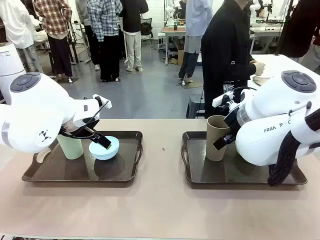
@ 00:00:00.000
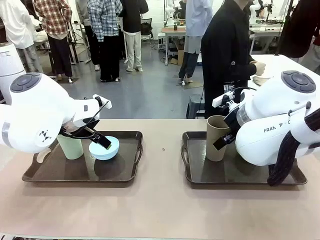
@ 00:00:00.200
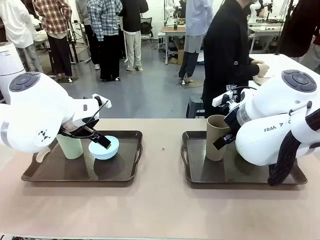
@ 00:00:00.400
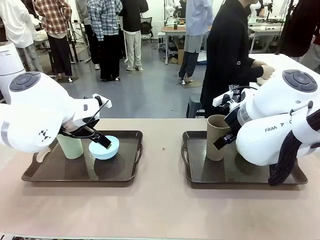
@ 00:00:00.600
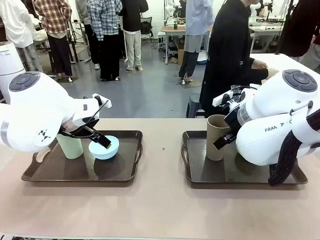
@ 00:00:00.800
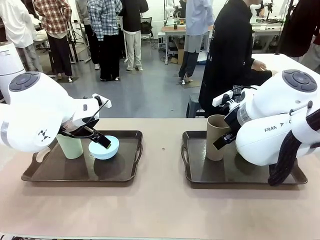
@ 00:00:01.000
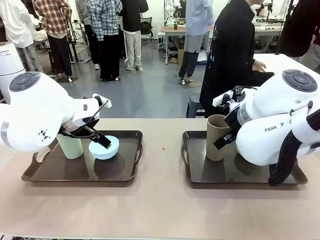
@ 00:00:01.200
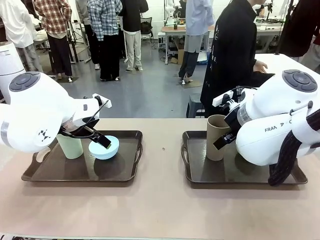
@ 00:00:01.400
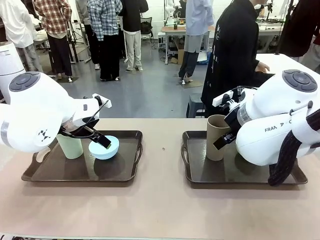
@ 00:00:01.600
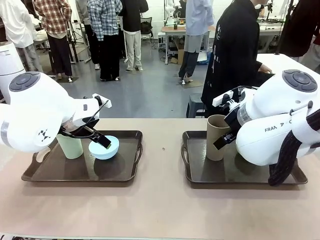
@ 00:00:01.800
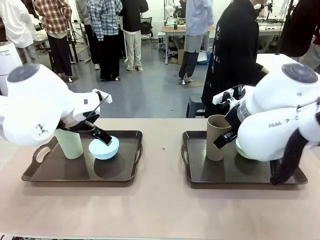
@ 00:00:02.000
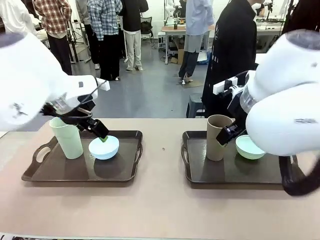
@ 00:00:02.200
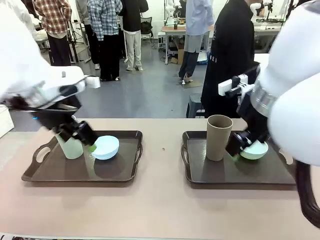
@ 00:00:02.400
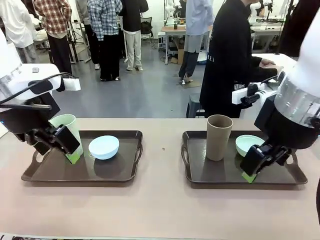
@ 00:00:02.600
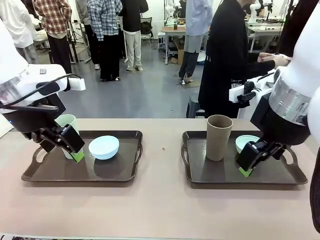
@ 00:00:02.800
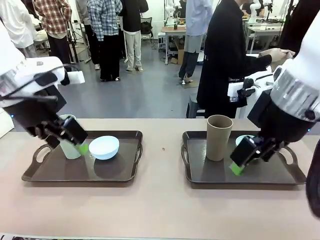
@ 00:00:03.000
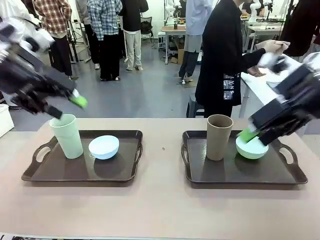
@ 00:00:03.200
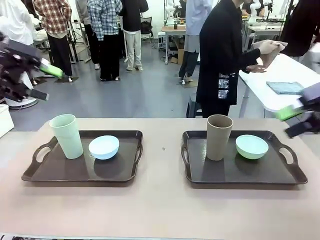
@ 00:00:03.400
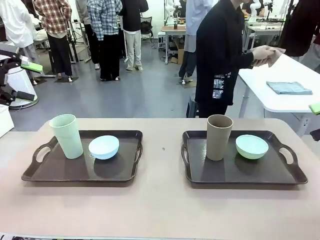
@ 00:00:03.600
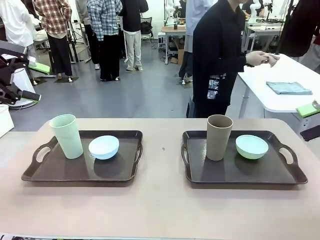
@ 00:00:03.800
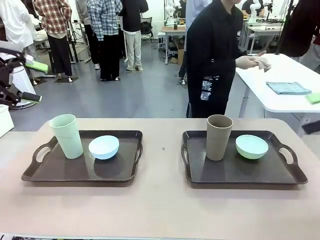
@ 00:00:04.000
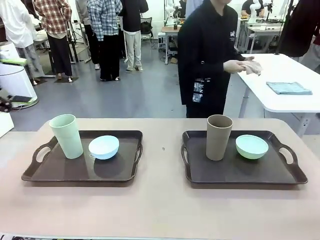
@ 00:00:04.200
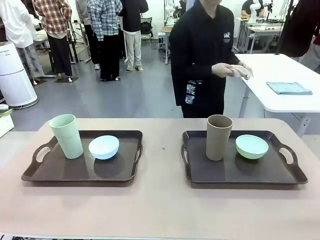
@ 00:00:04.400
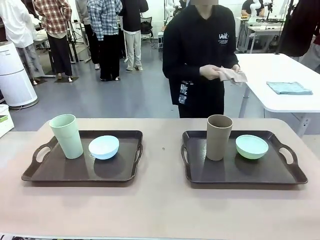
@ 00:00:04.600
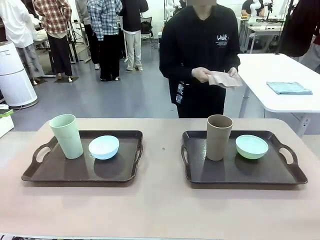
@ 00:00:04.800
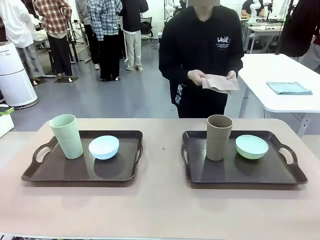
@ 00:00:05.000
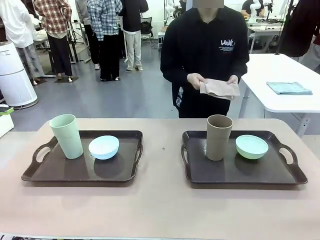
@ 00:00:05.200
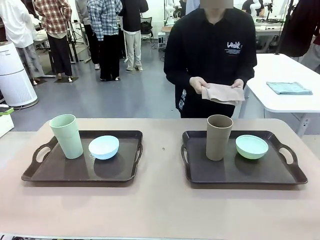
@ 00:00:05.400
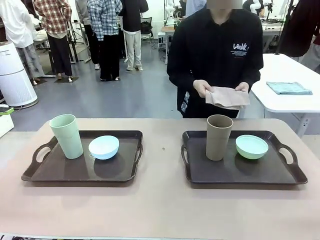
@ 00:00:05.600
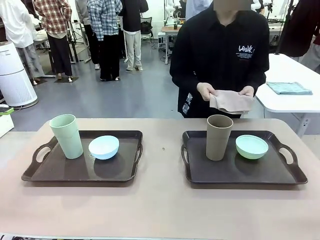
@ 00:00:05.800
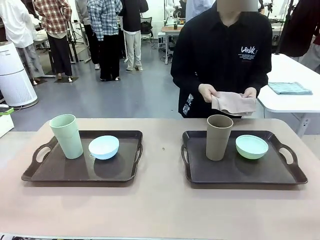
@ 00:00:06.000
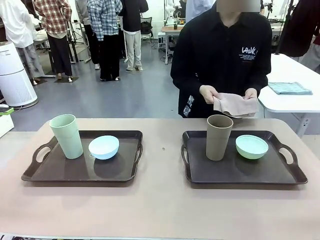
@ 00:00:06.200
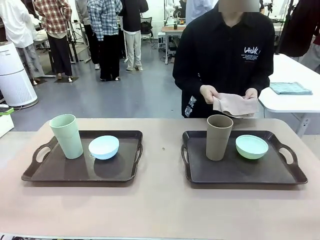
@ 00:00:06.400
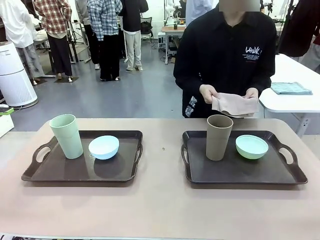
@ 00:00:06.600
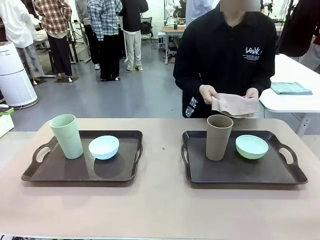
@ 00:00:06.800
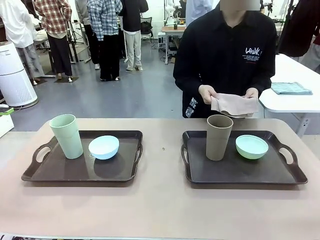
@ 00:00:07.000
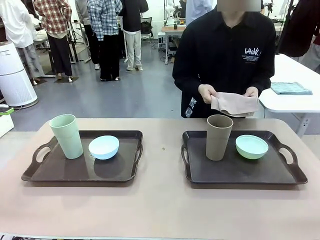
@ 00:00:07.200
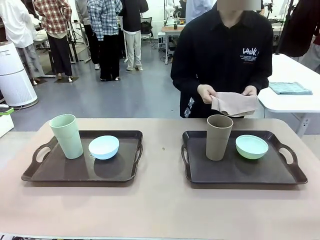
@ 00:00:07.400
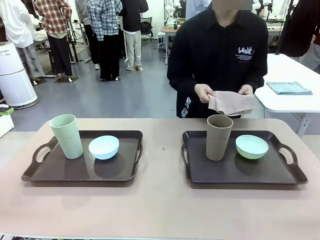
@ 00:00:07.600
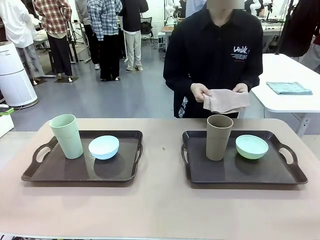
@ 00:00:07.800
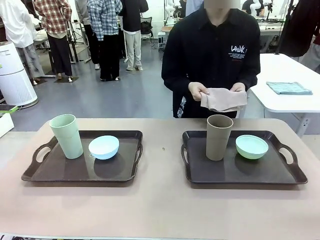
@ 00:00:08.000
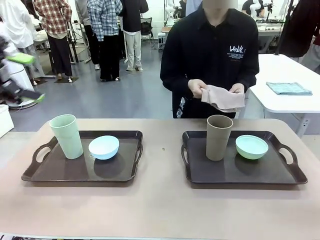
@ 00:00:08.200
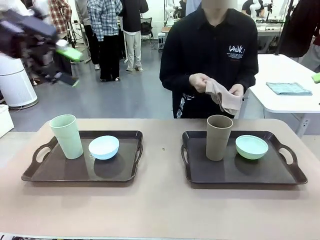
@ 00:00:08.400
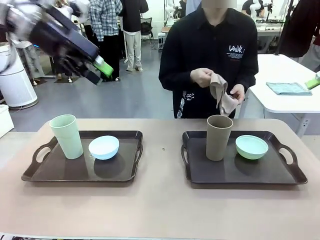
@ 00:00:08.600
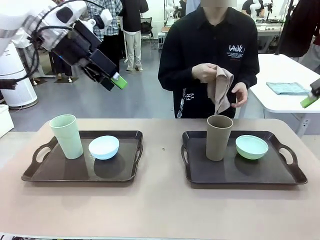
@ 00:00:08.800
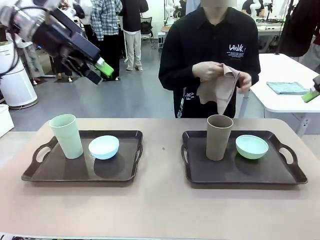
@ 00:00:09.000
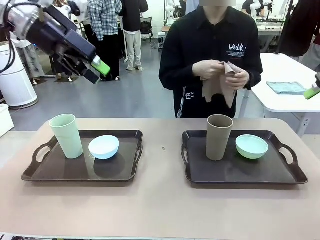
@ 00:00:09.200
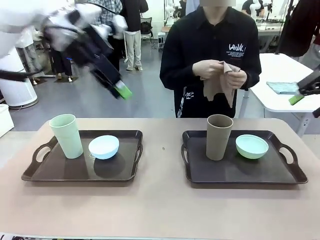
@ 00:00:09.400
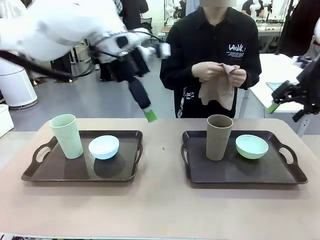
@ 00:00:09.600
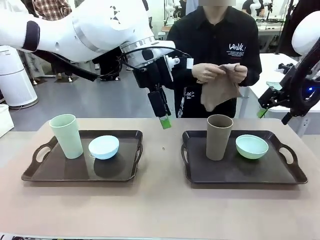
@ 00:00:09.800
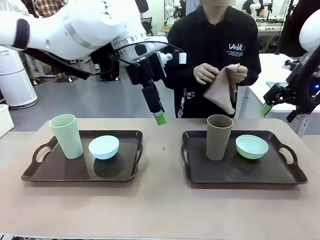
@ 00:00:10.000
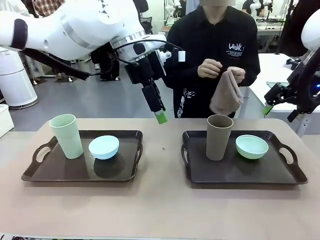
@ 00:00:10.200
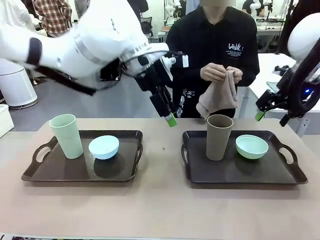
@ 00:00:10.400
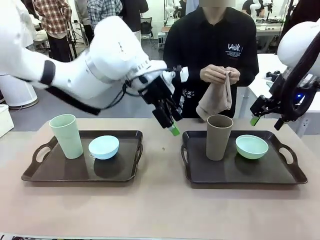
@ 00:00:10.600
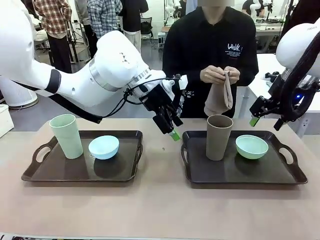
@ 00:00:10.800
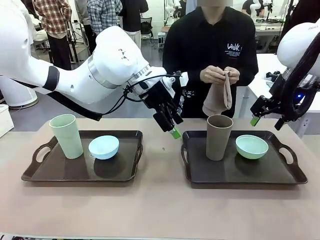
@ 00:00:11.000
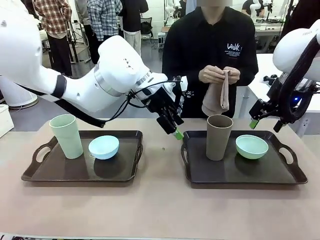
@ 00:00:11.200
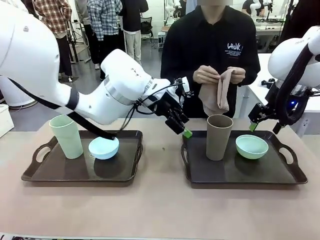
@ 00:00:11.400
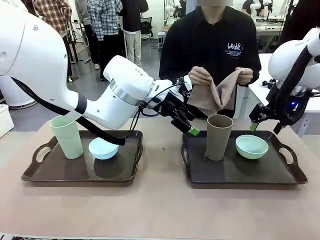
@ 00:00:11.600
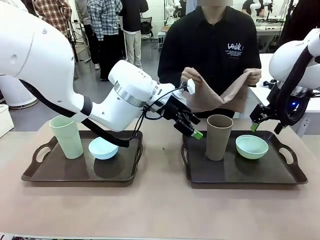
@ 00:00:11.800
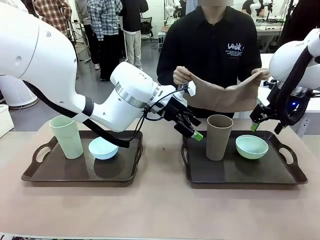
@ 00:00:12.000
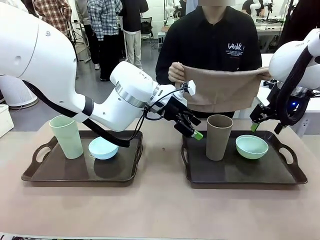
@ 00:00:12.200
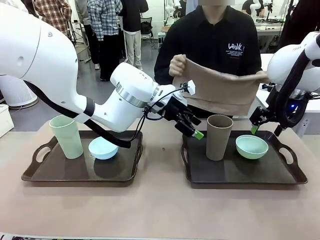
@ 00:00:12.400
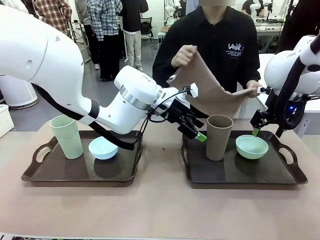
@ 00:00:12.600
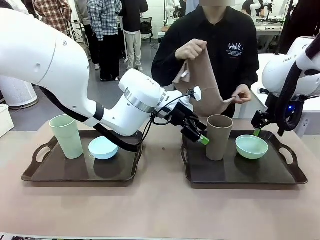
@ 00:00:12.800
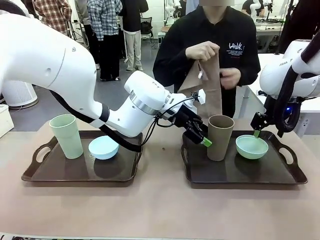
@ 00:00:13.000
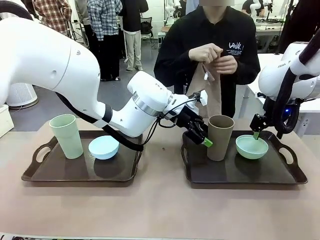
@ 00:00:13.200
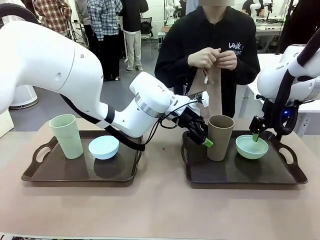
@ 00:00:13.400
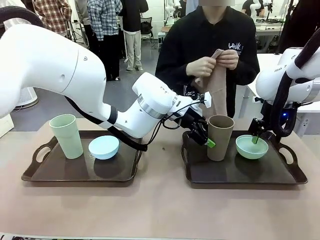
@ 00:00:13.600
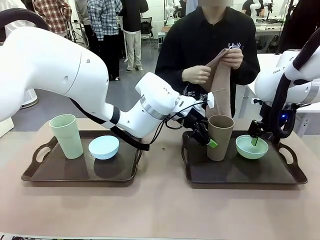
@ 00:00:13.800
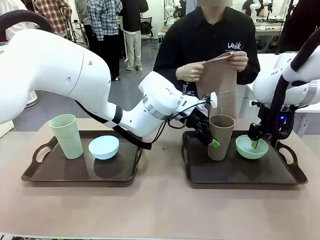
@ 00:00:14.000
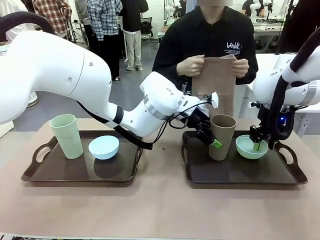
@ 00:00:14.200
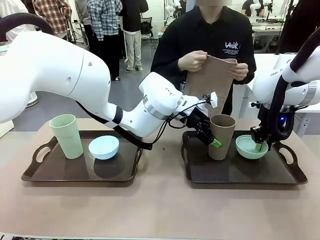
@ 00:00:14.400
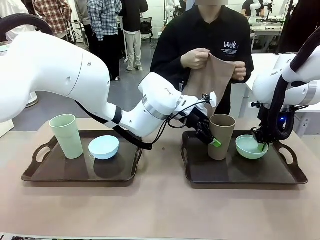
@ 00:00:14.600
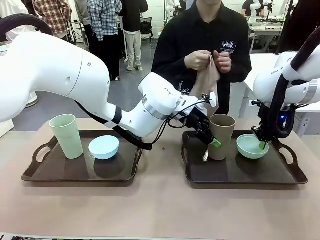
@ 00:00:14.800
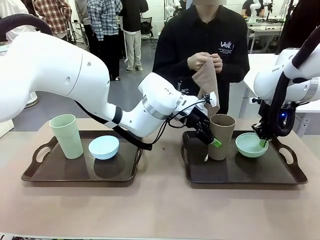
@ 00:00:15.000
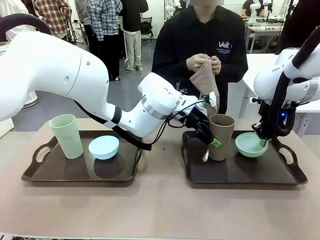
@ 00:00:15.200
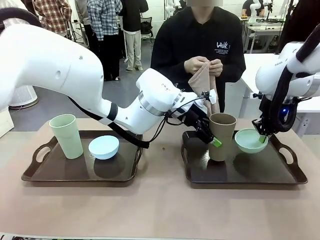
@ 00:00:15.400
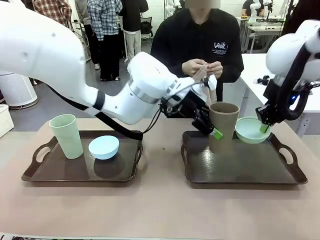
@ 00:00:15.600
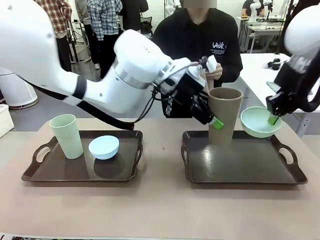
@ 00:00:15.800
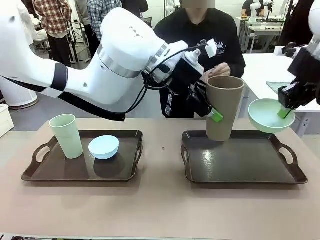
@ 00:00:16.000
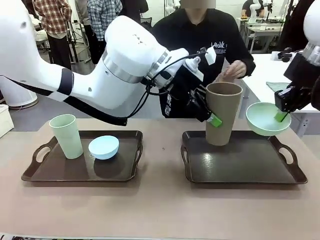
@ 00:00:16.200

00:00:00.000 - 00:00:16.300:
Robot: Pick up the Picnic Bowl and Reusable plastic cup from the Handle tray in front of the human's position and hold them in the air.
Person: The human picks up the top napkin from the stack on the human table and walks to the robot table to stand in front of one of the two trays. When the robot lifts the bowl and the cup, the human unfolds the napkin and lays the napkin flat on the tray.

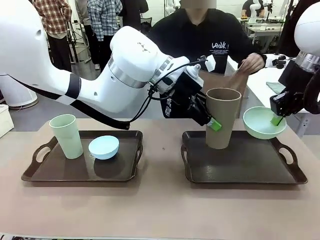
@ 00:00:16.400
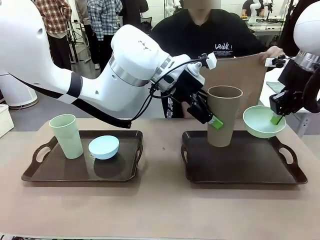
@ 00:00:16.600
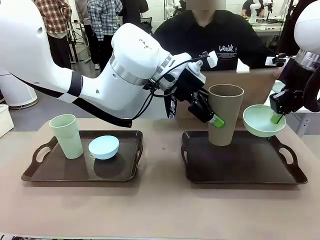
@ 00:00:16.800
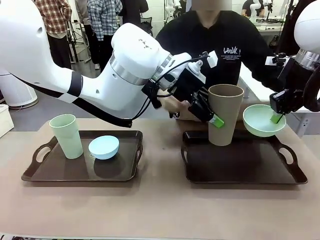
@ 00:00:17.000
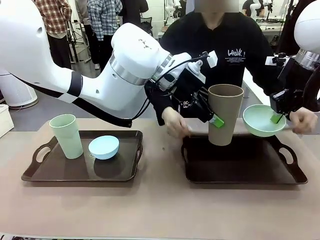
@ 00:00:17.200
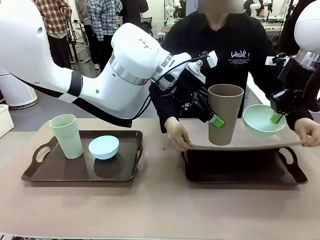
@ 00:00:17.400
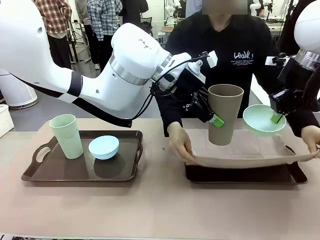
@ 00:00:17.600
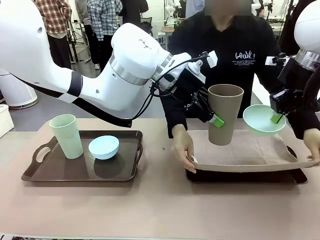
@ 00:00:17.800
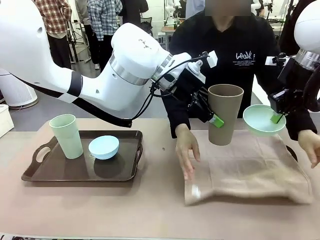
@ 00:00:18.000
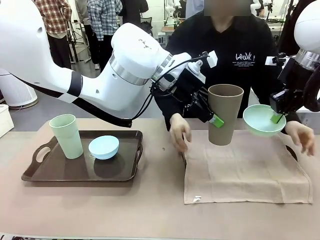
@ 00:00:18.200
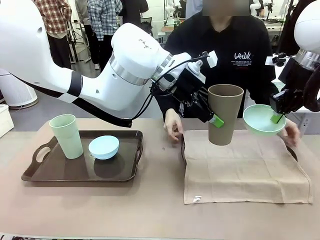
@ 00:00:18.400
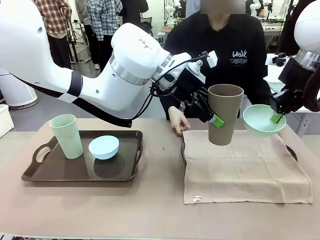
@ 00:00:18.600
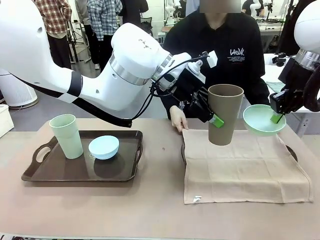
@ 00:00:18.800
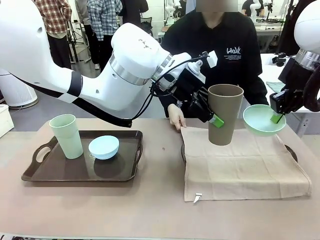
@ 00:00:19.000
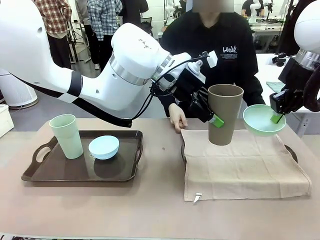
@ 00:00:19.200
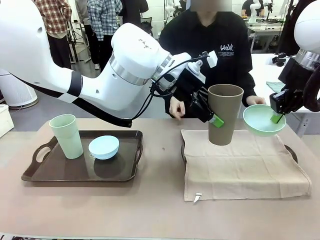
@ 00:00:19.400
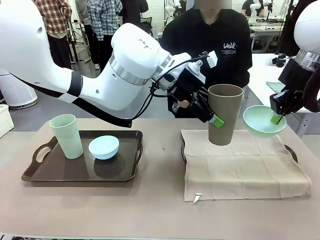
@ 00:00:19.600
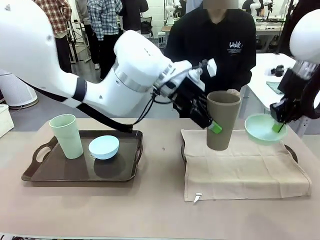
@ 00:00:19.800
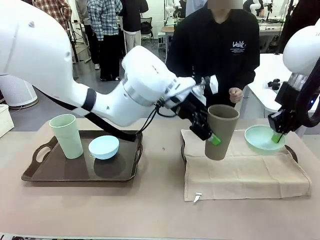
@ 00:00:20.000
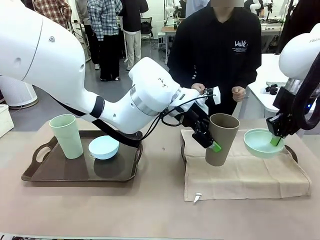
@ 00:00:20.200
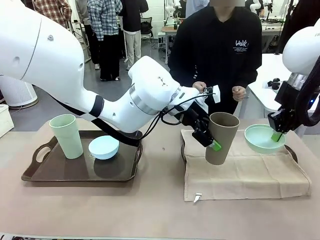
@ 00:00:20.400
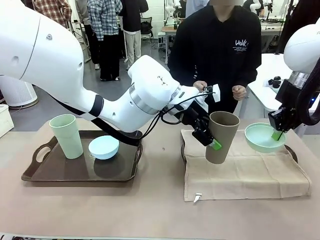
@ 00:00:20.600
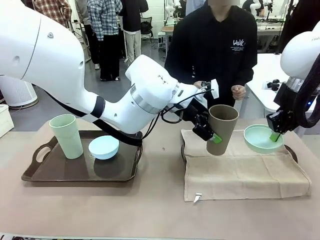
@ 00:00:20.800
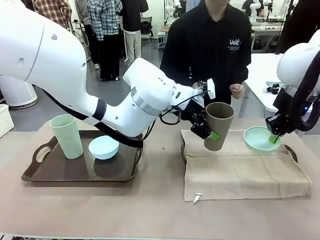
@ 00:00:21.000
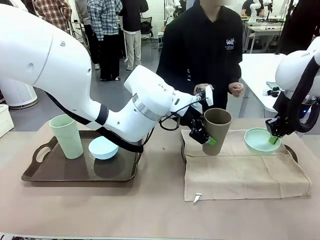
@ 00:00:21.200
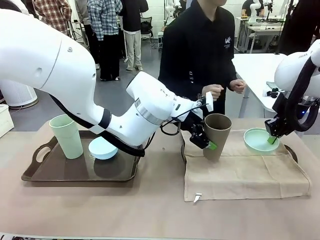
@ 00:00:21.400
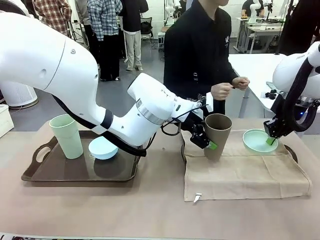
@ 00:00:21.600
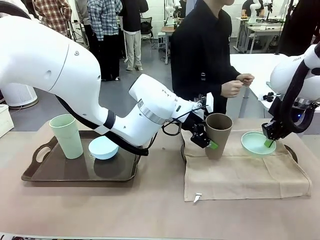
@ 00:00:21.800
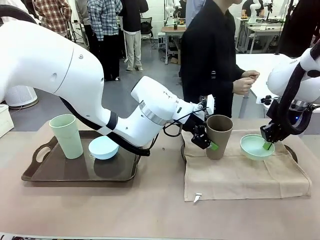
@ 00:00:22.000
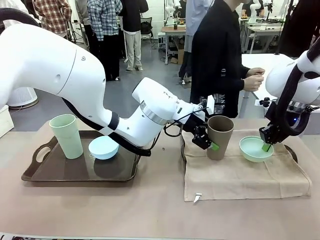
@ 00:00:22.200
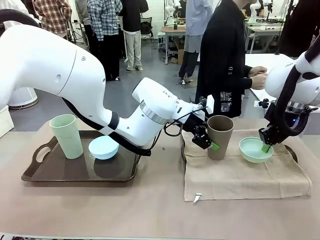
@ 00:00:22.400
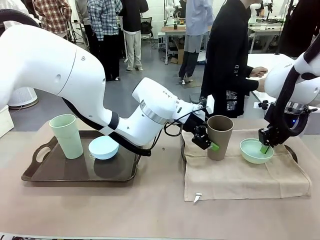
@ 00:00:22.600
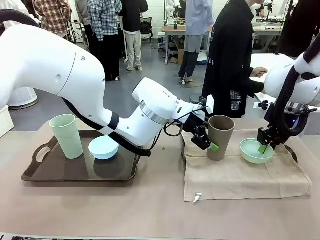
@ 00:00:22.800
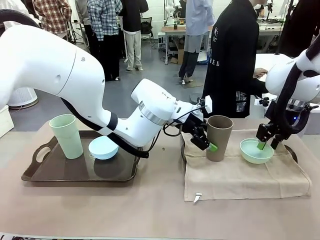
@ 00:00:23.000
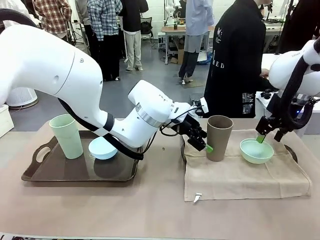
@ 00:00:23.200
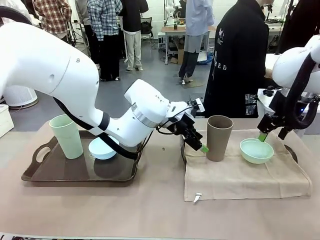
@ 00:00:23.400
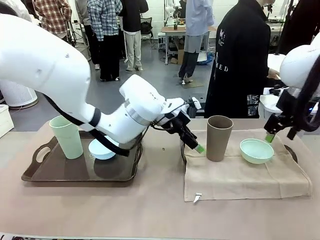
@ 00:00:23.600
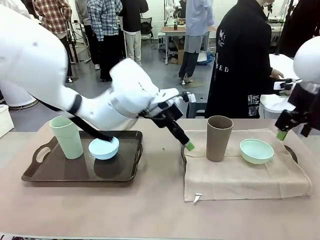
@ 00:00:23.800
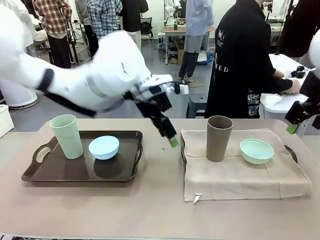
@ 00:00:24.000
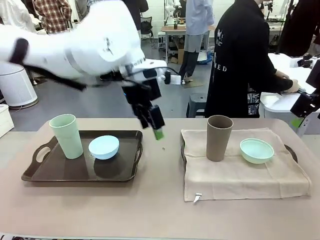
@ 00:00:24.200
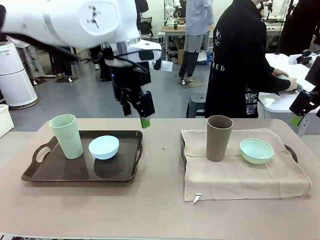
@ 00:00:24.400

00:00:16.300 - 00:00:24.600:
Robot: Place the Picnic Bowl and Reusable plastic cup back onto the Handle tray in front of the human's position.
